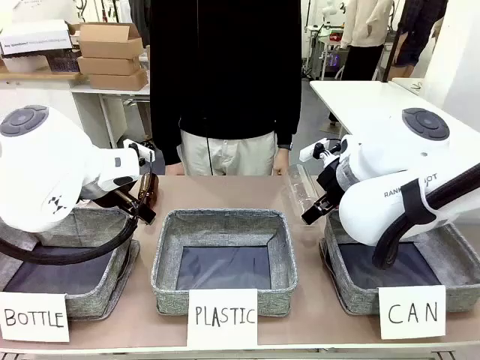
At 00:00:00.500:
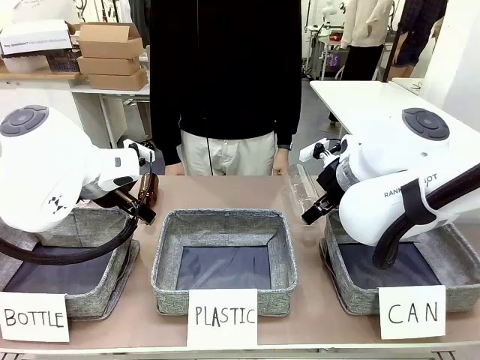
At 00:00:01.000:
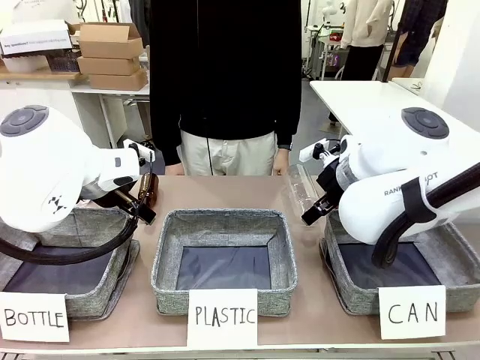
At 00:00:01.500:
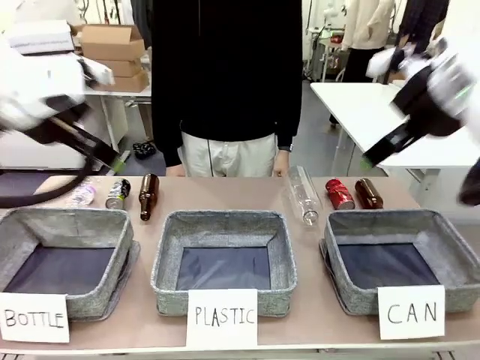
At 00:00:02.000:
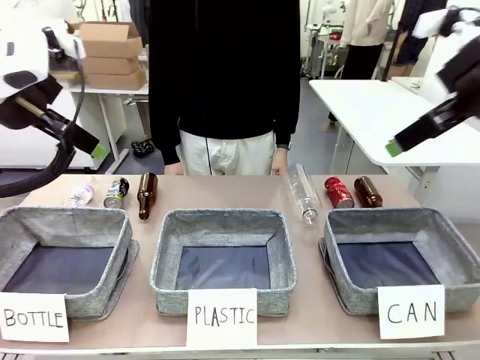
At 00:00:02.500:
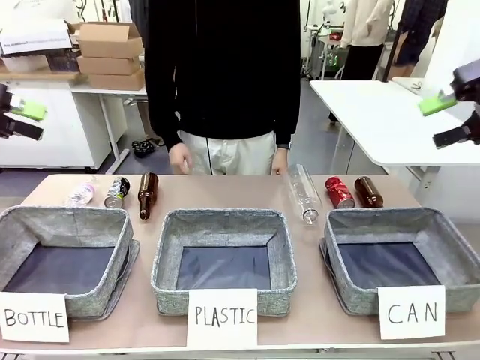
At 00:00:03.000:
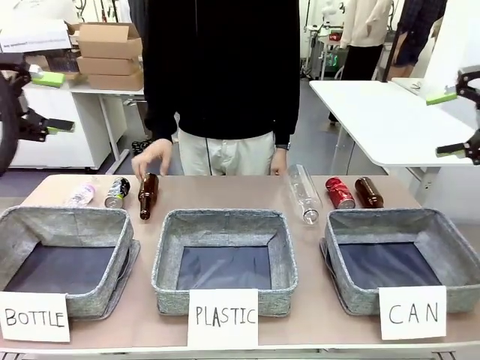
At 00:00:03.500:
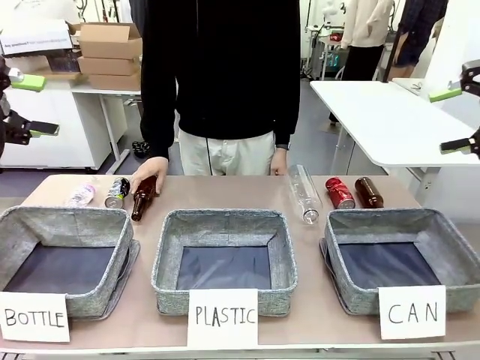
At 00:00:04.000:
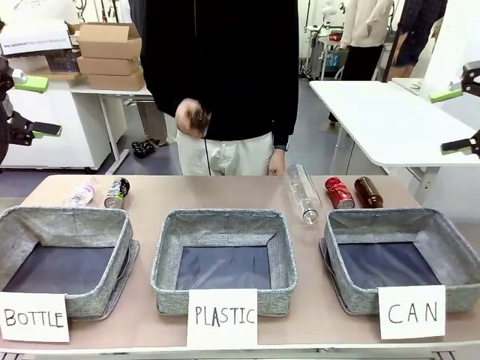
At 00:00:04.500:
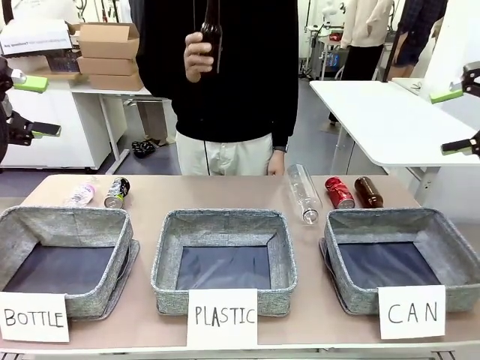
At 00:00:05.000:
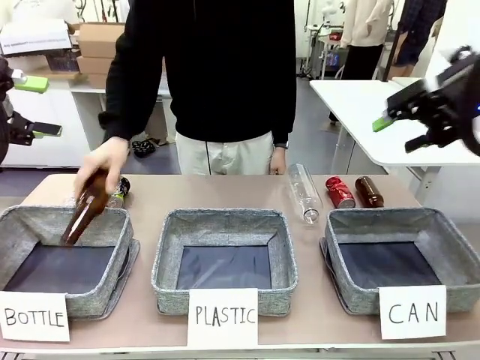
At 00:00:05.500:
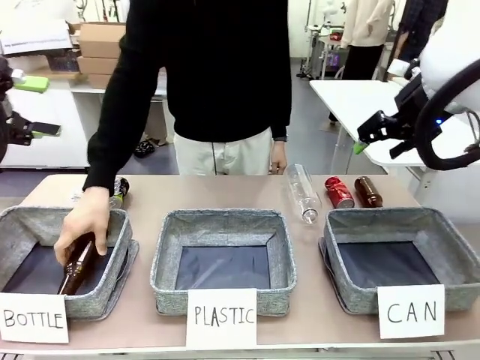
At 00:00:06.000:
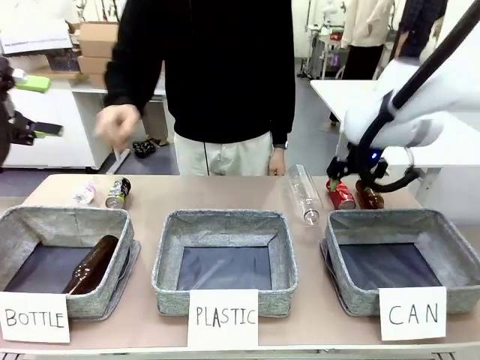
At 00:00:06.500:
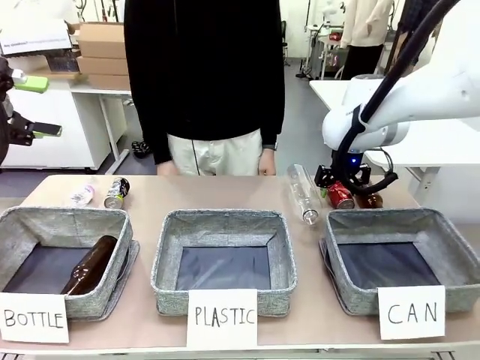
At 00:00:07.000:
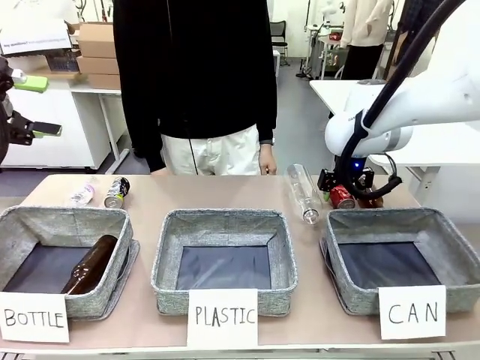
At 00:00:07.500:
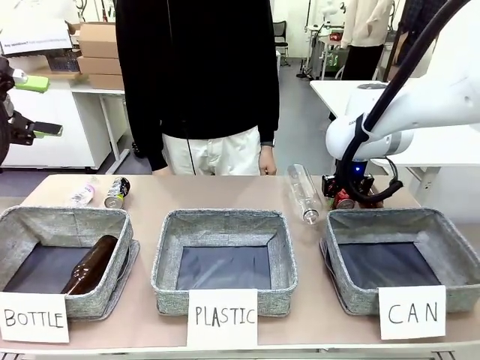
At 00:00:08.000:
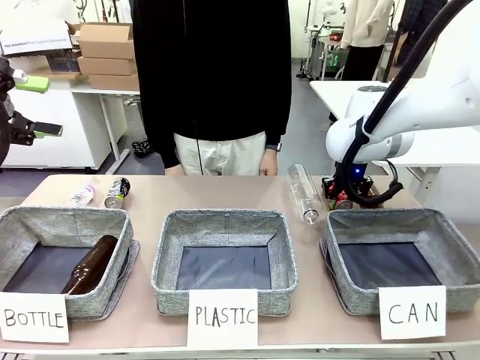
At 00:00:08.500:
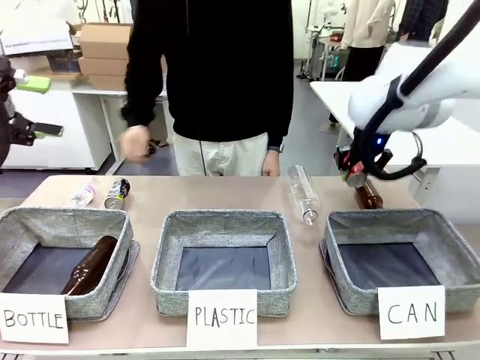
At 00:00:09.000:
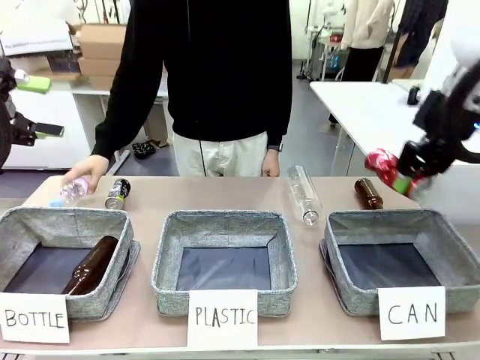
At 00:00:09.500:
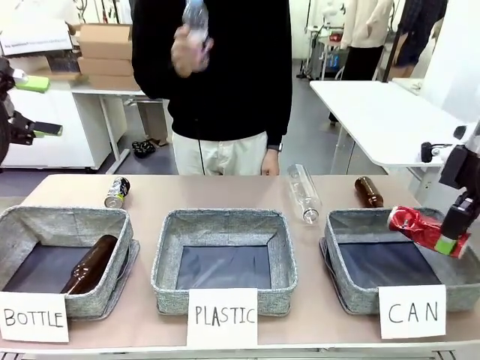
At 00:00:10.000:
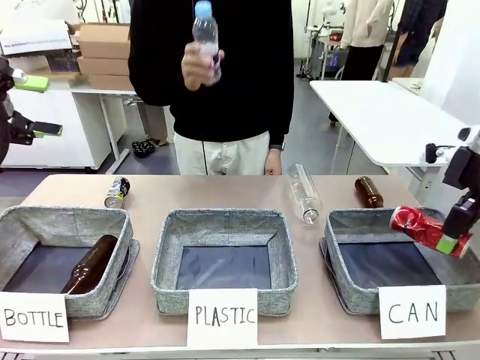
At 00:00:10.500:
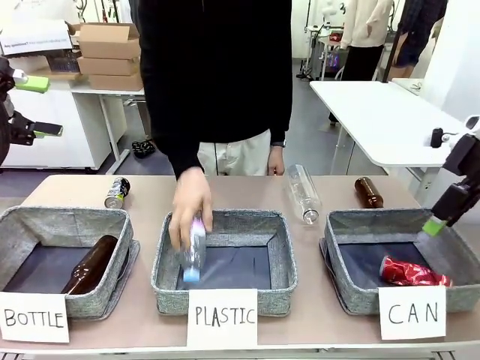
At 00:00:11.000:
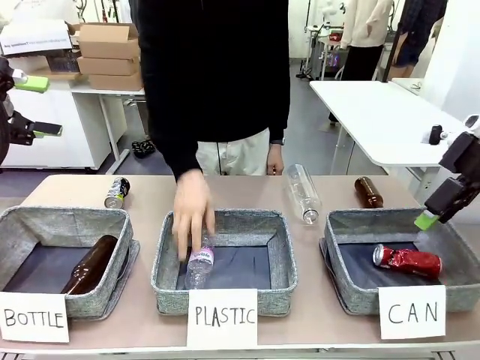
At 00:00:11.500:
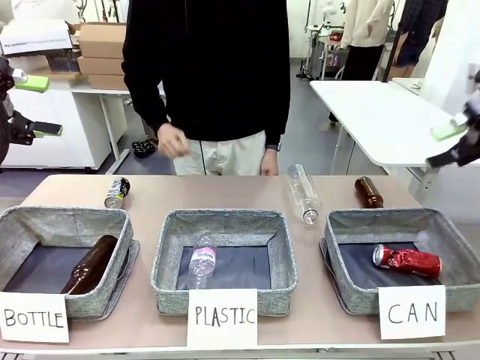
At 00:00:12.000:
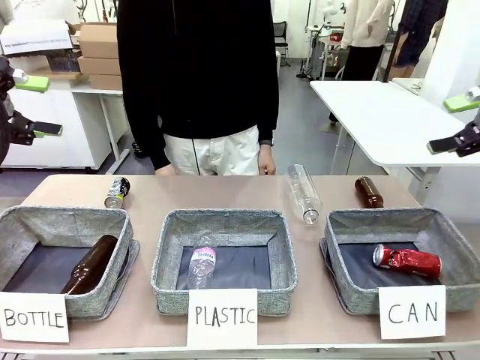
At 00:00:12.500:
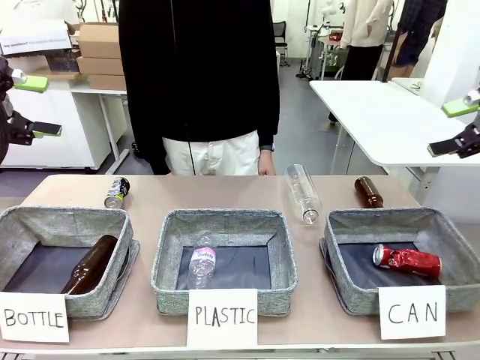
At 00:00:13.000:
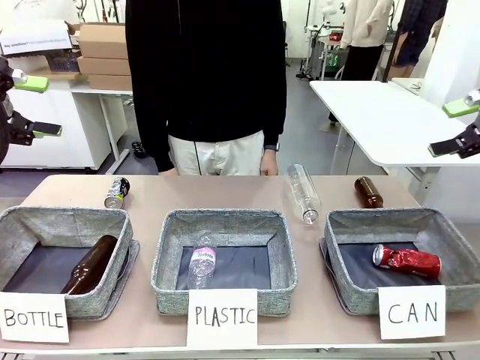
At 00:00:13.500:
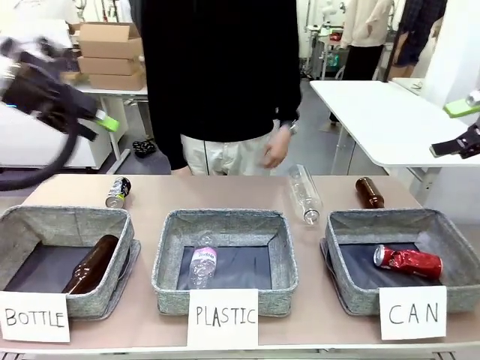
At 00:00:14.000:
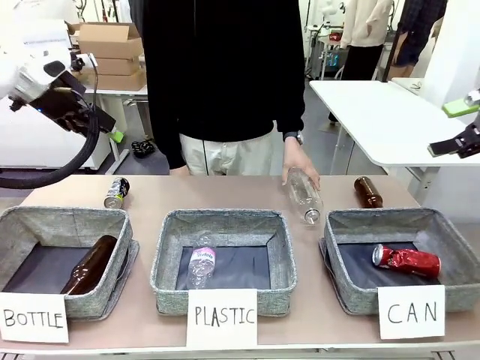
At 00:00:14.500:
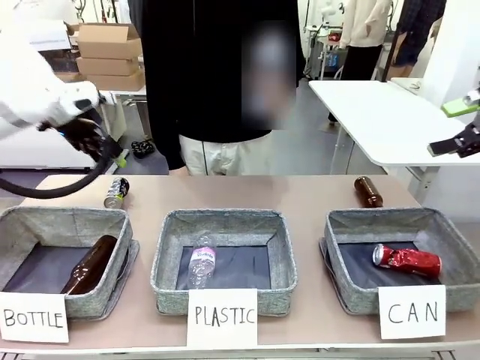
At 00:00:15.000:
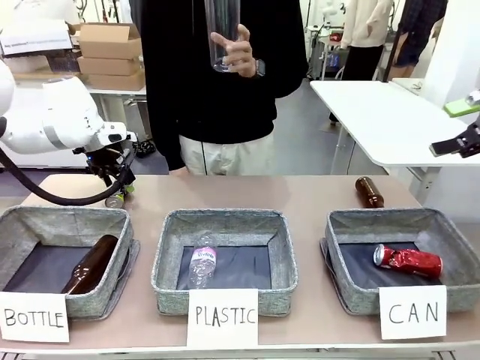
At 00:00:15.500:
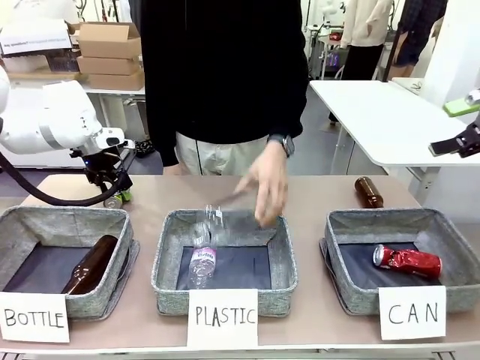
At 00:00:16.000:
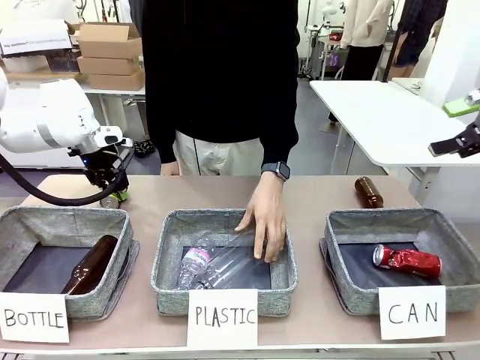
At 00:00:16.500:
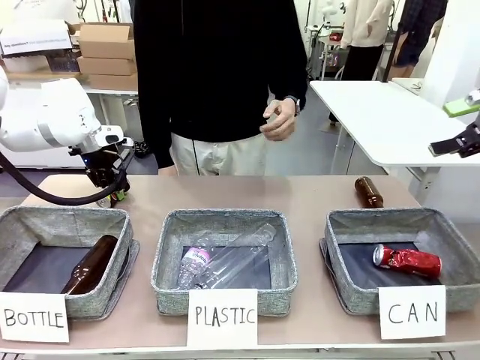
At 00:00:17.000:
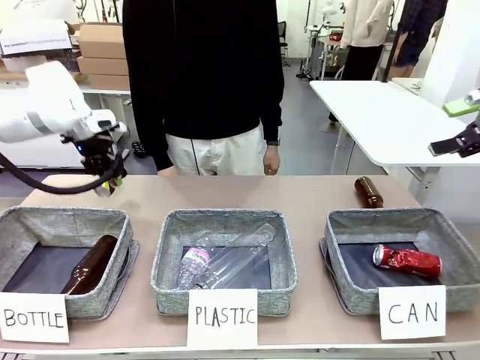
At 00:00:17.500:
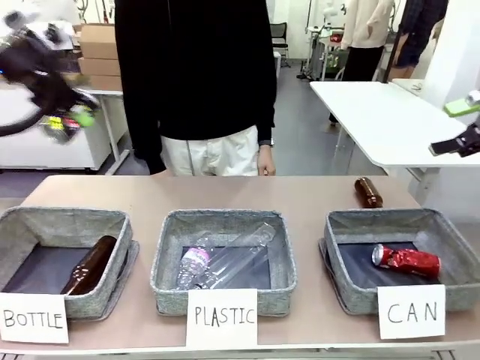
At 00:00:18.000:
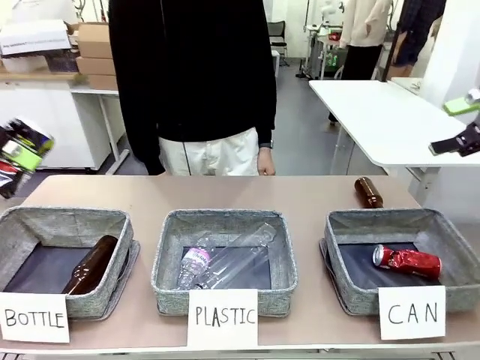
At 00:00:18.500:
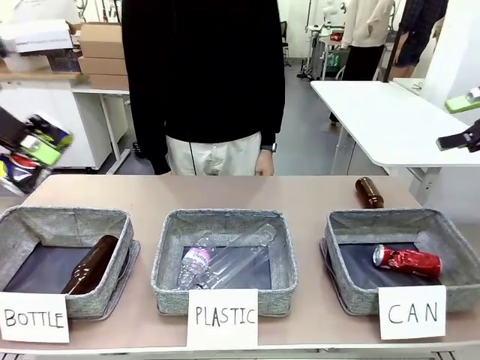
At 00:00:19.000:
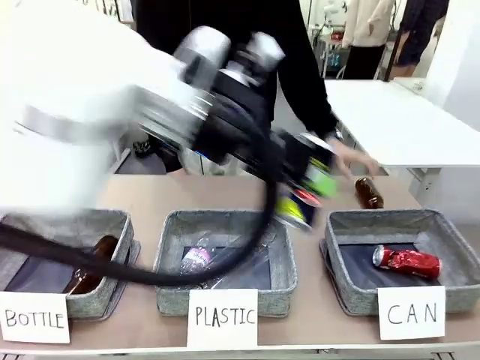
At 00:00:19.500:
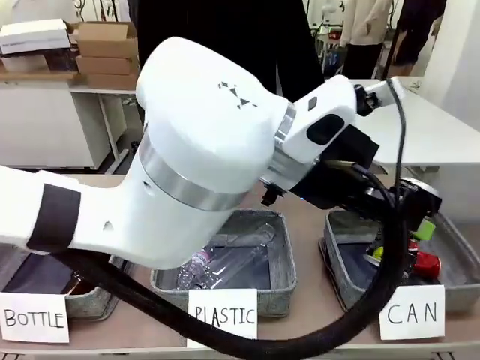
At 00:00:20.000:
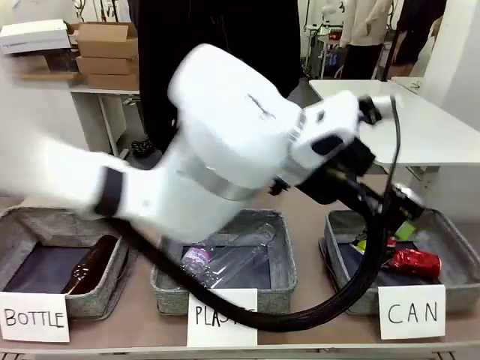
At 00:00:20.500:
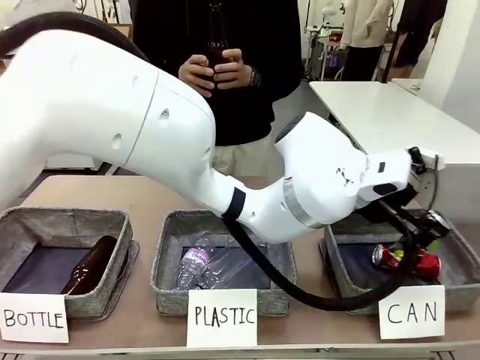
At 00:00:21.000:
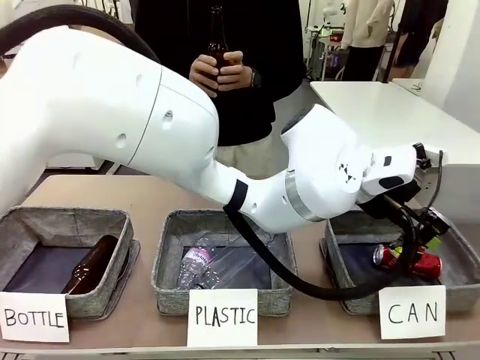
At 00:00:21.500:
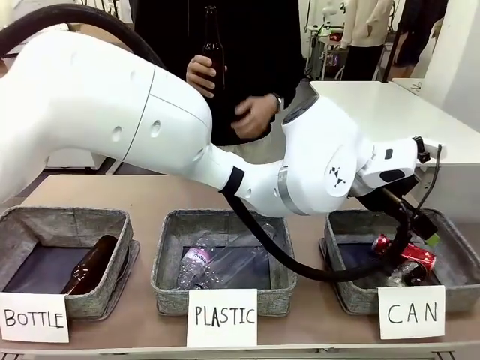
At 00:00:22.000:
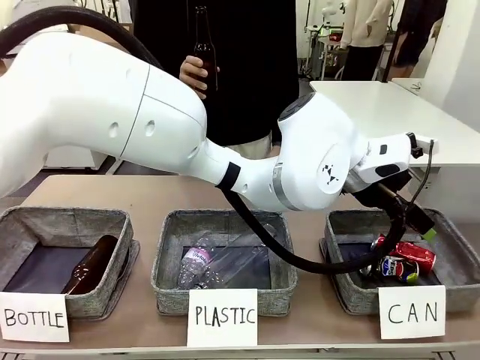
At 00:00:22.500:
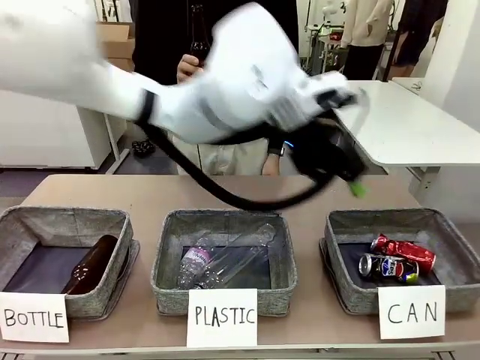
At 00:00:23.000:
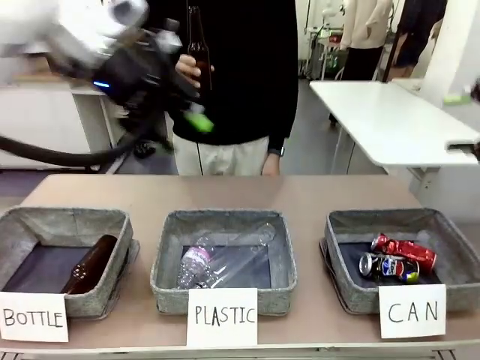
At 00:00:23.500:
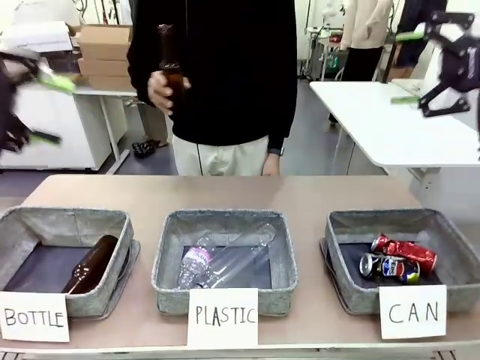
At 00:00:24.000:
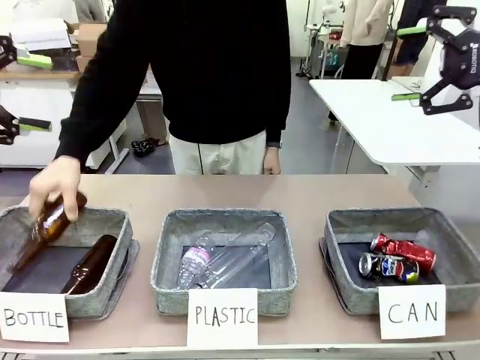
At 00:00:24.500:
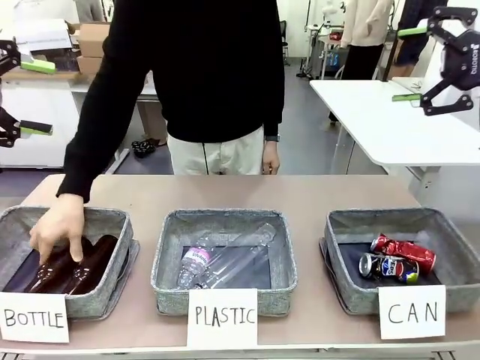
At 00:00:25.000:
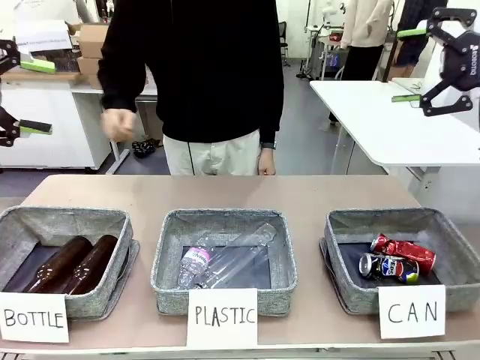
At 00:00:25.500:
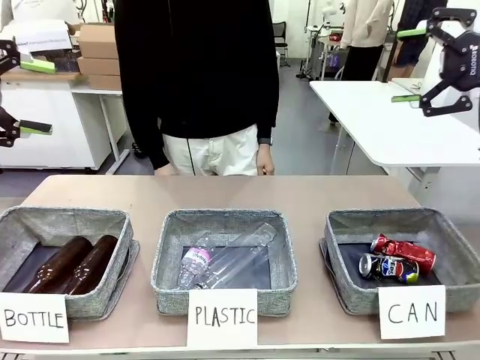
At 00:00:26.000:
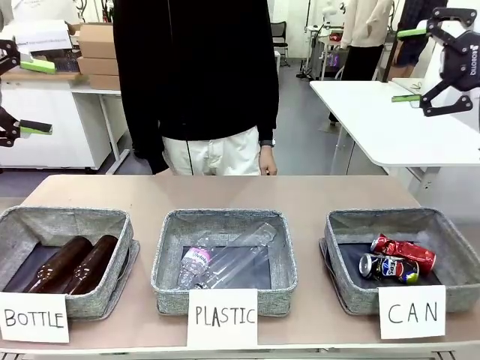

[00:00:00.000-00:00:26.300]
Task: Sort the can waste into the basket.
Robot: Pick up the can waste from the table and place it in the right Fabric basket.
Person: The human picks up one piece of trash that is not a can and places the trash into the appropriate organizing basket.
